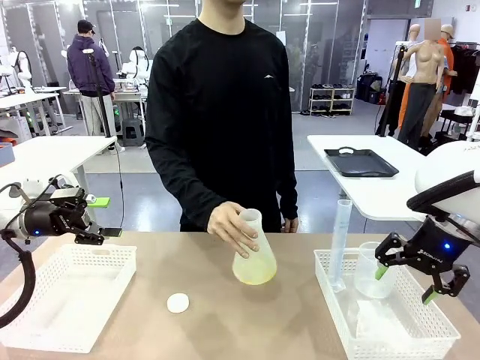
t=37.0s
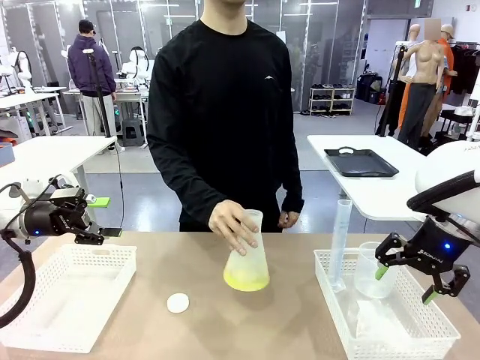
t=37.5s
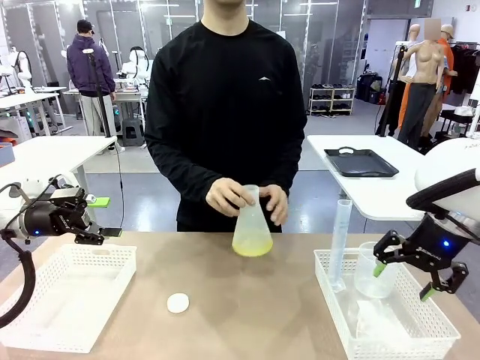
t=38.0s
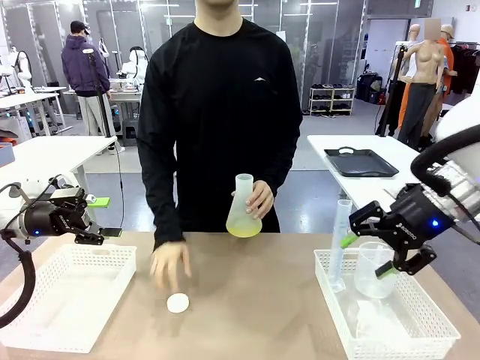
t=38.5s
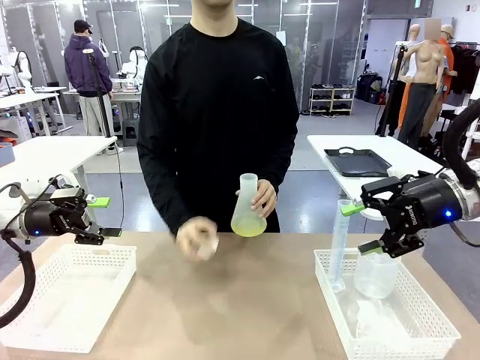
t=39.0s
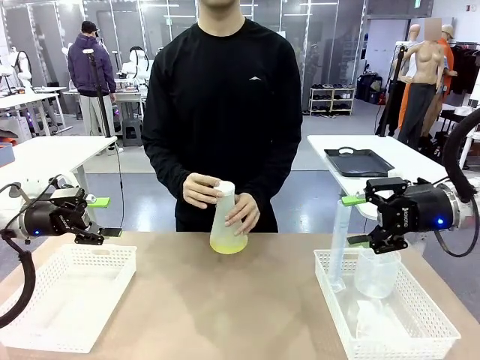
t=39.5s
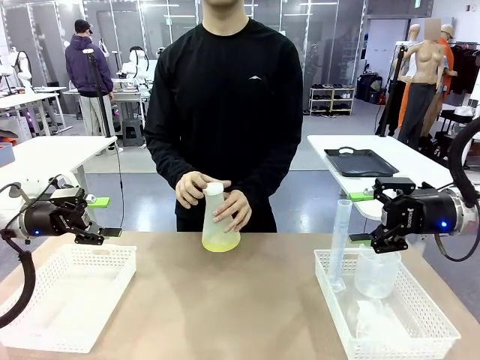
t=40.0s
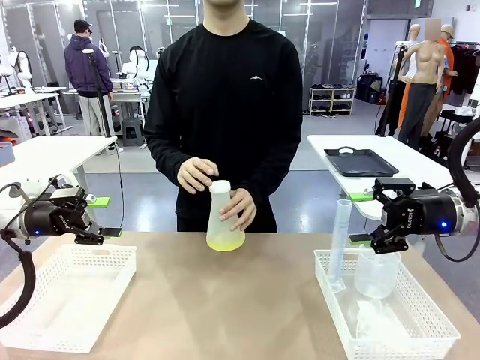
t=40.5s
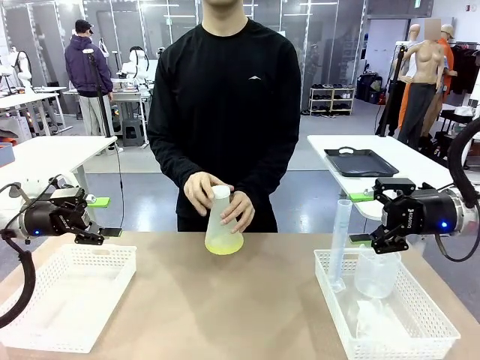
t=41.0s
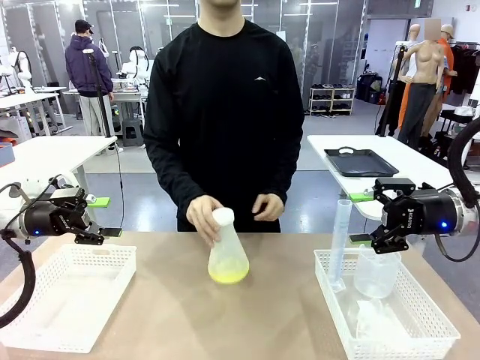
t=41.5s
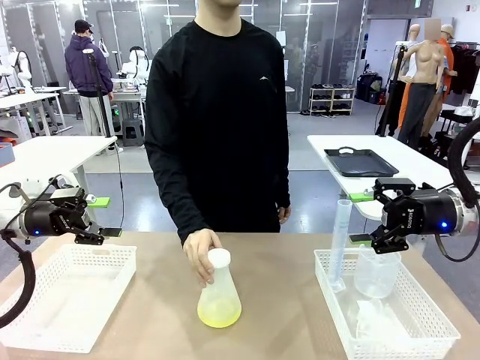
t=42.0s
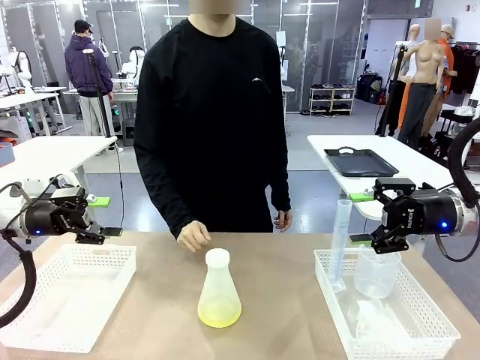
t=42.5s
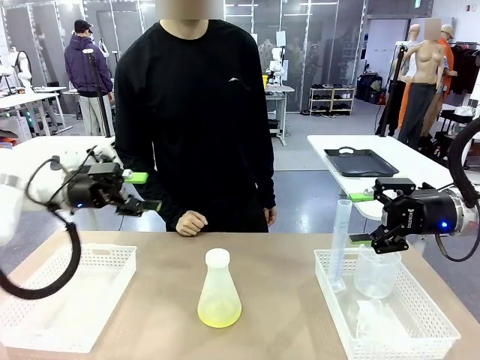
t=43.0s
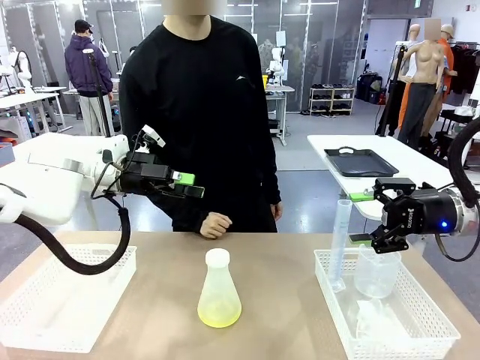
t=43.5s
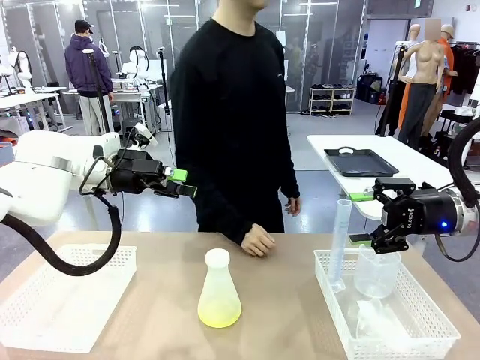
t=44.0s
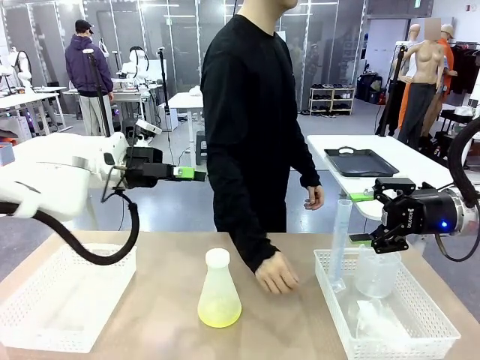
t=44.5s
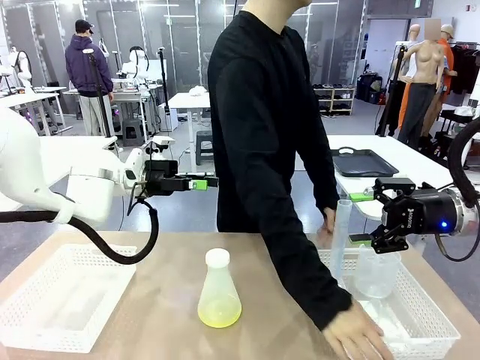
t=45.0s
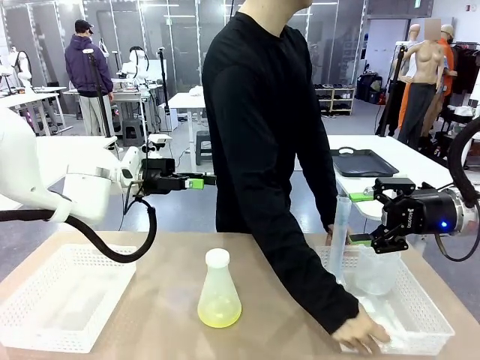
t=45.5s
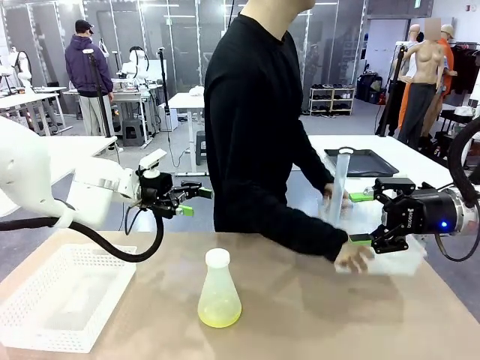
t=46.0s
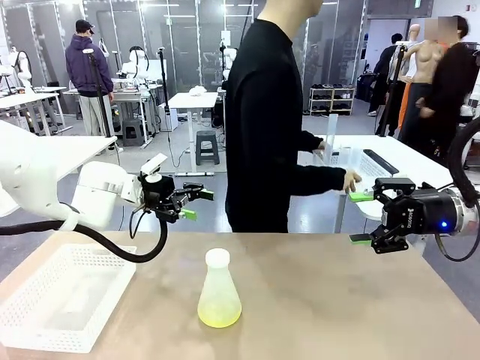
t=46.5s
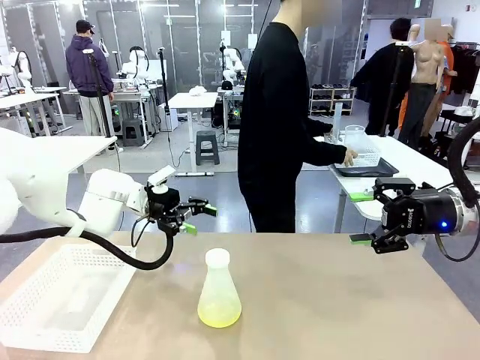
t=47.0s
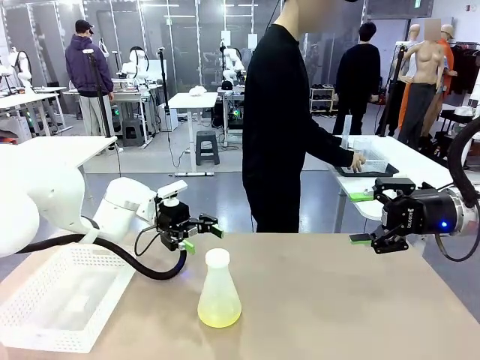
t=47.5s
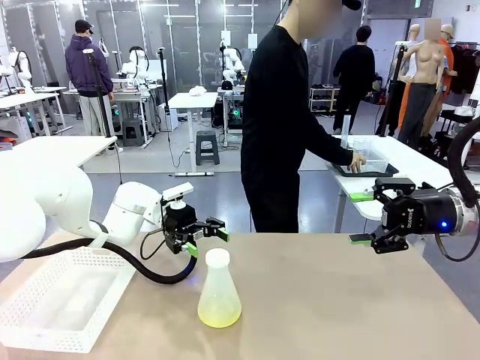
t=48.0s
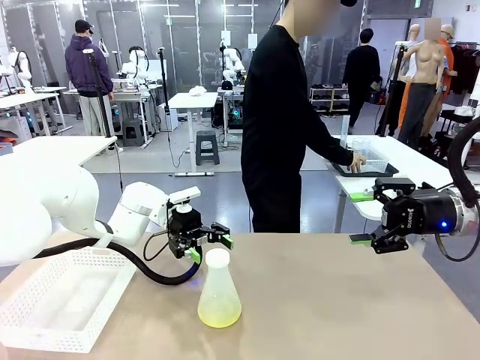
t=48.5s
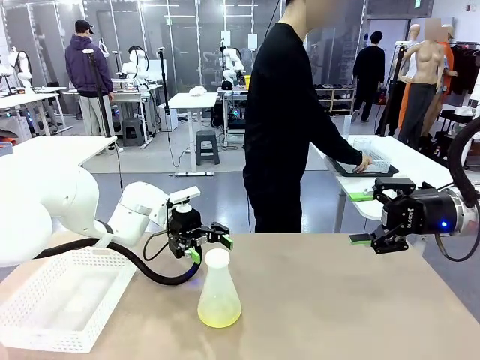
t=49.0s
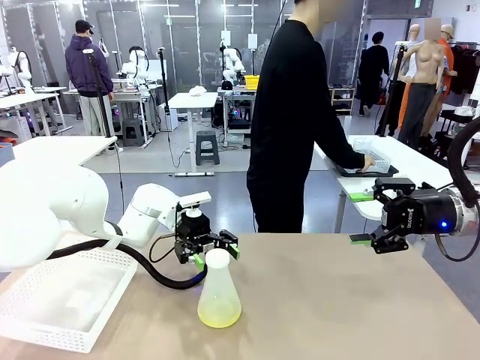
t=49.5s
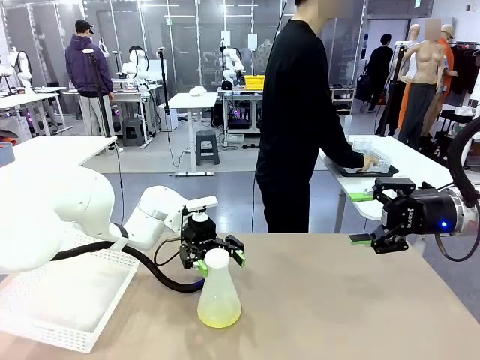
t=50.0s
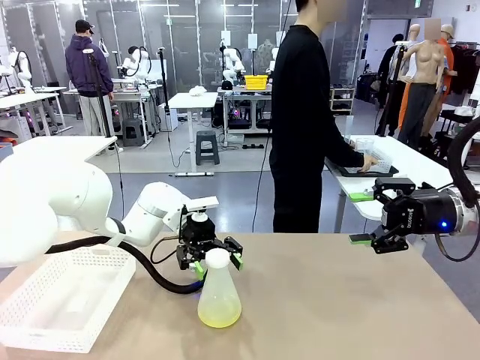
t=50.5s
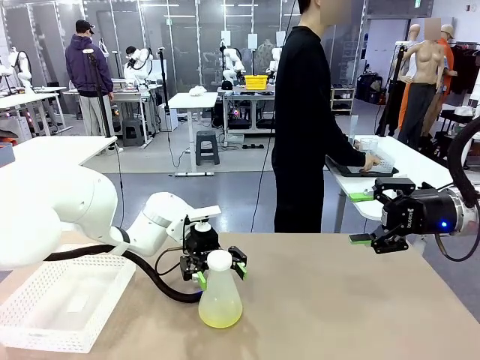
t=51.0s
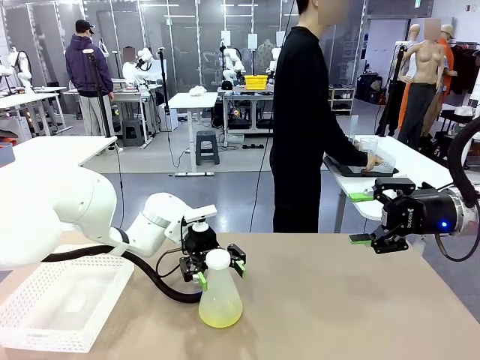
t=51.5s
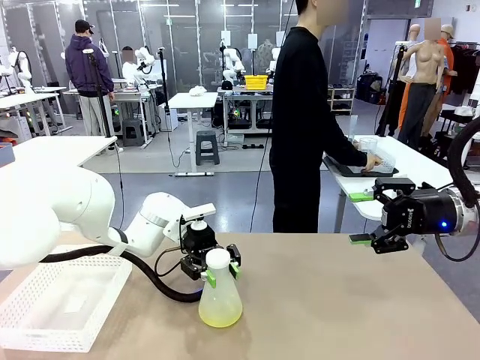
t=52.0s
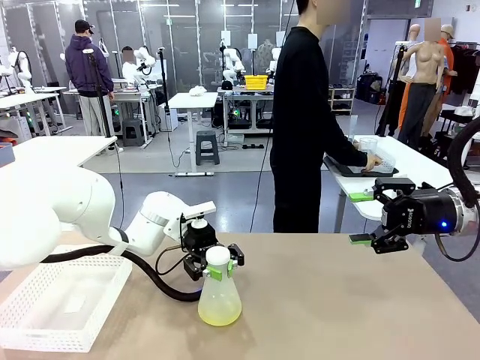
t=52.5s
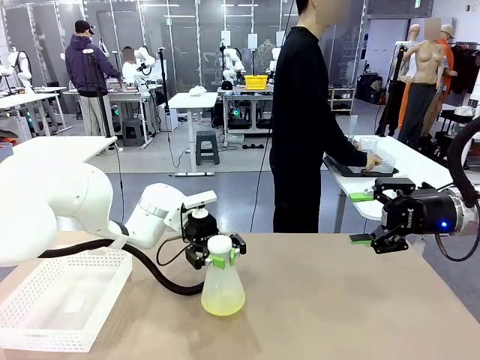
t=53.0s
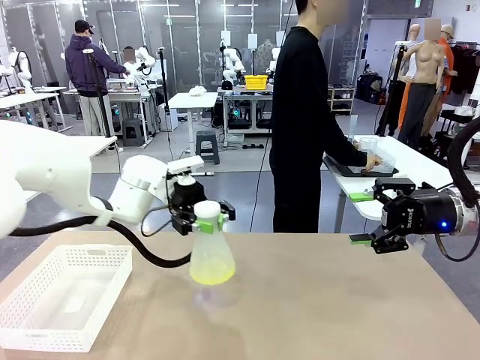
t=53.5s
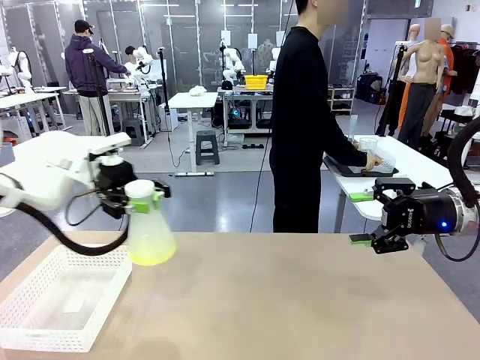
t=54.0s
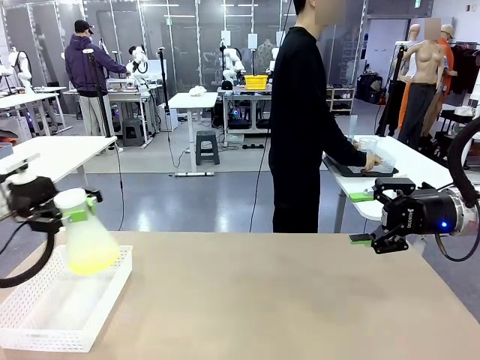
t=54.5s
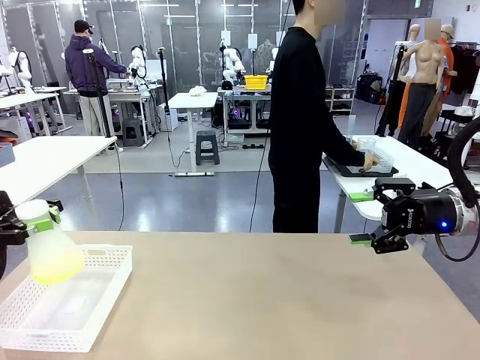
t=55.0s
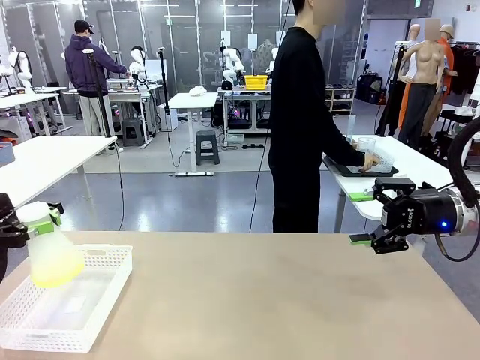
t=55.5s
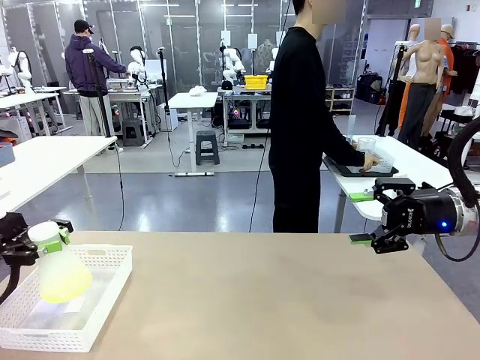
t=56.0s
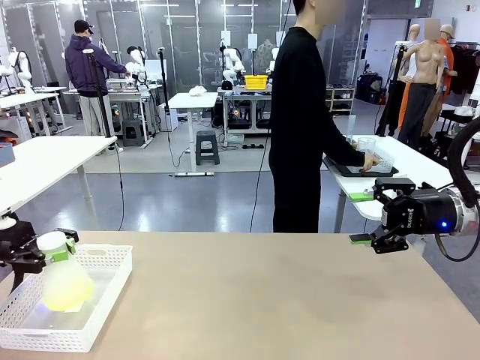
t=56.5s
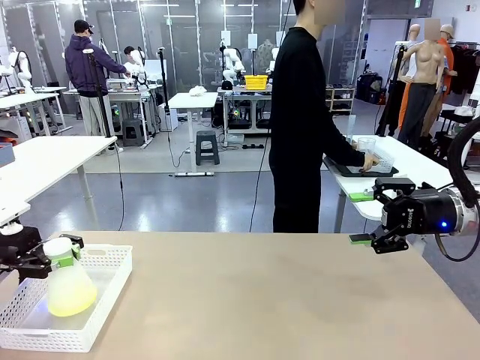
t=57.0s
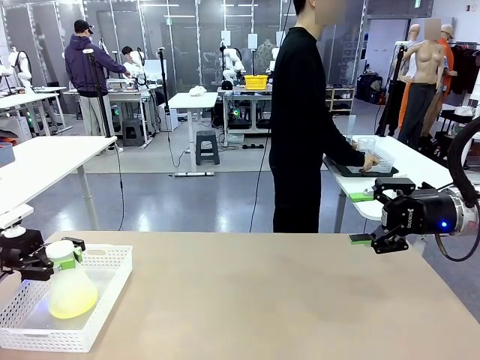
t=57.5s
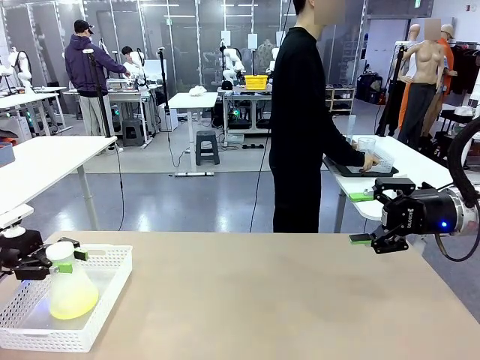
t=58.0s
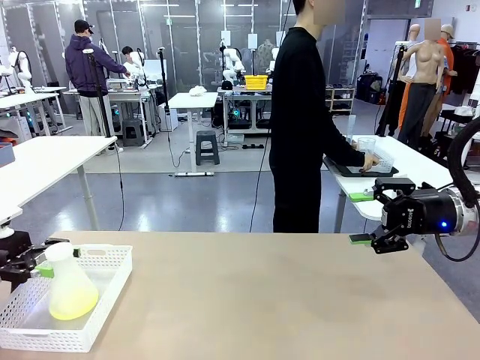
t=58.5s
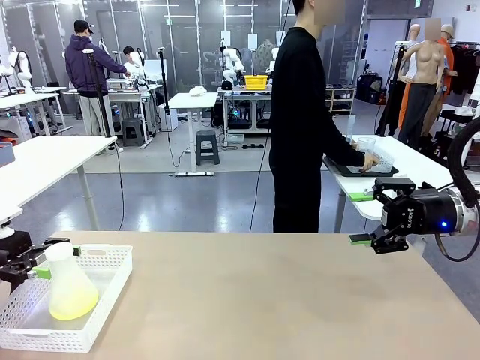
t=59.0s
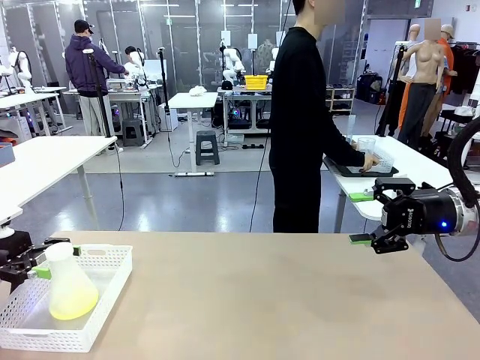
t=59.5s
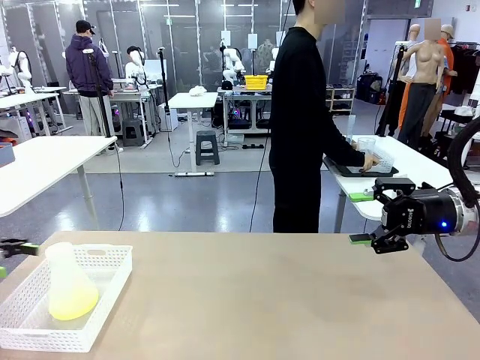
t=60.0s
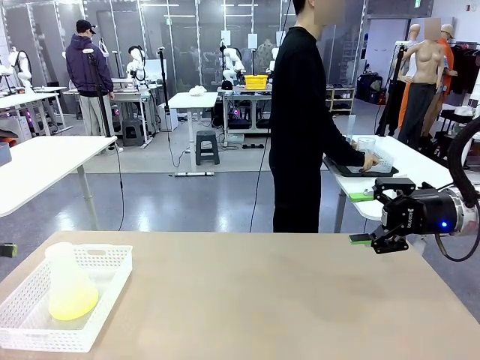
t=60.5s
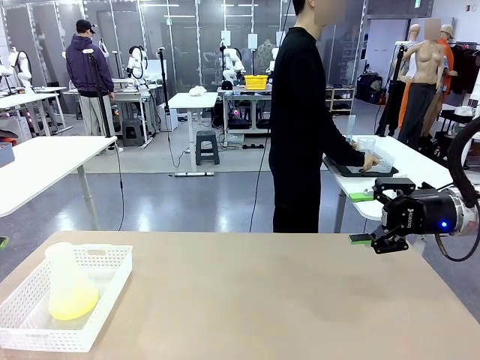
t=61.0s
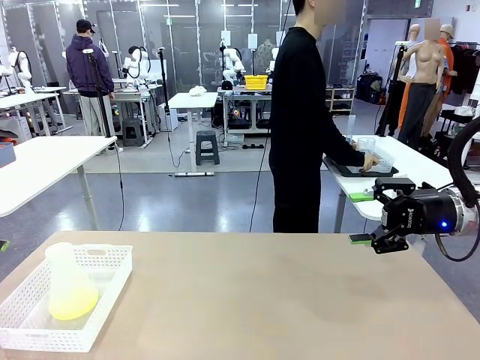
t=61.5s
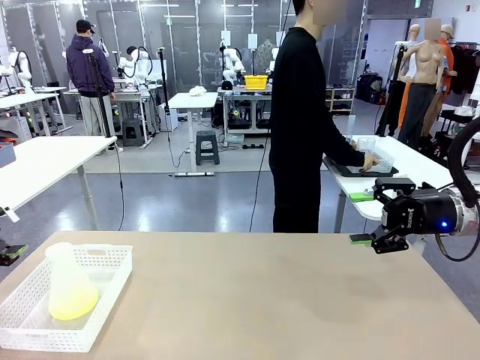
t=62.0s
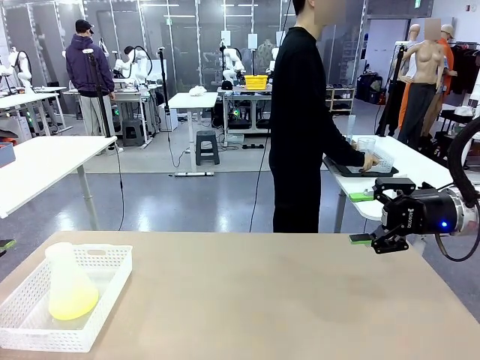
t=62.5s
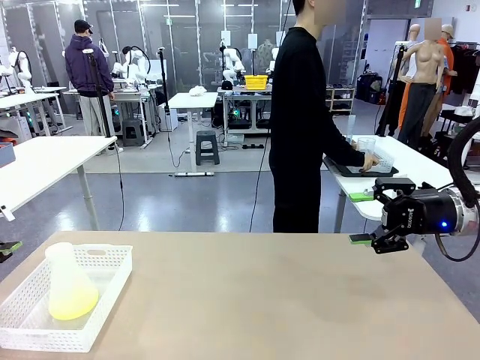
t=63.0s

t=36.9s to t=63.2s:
Task: Prepare the solutions needed for the experiment.
Robot: When the human places the Big flask in the center of the table, pick up the Big flask and place it in the left Organizing basket.
Person: Pick up the flask, gently shake it 2–3 times, place it in the middle of the robot table, and close the lid. Pick up the organizing basket on the left side of the robot table and place it on the left side of the human table.
